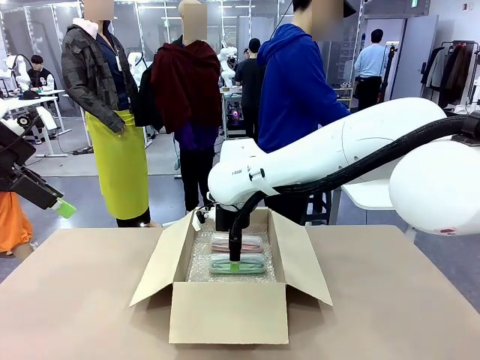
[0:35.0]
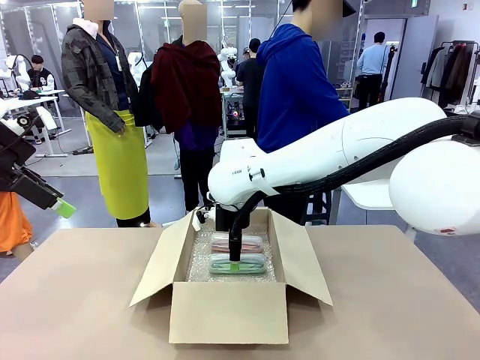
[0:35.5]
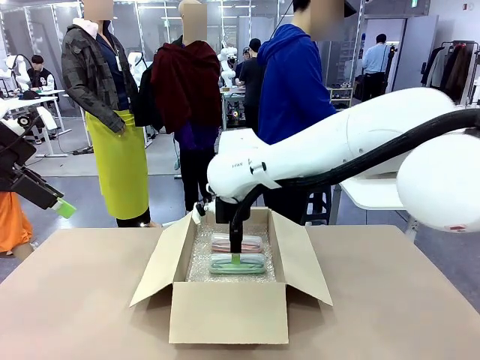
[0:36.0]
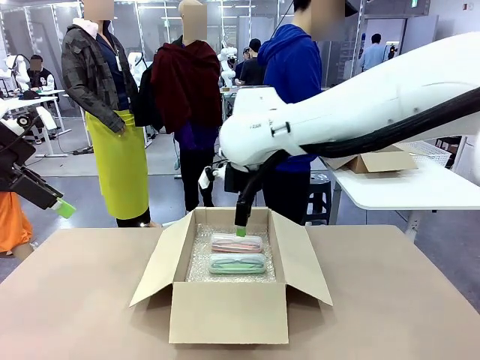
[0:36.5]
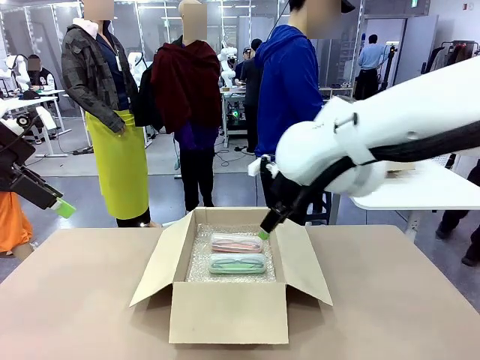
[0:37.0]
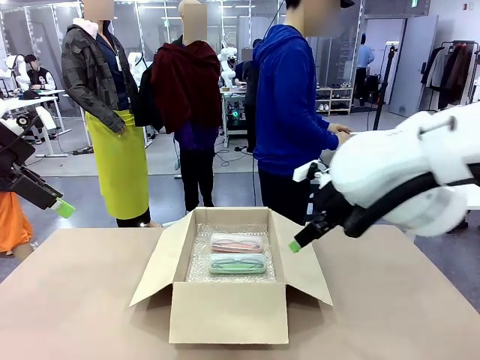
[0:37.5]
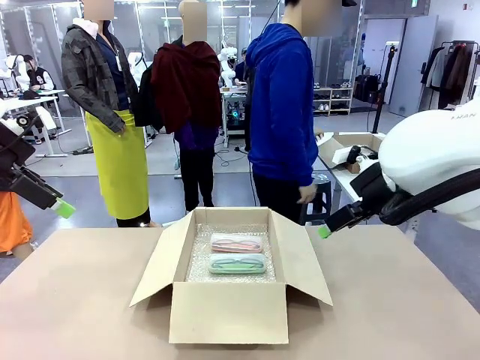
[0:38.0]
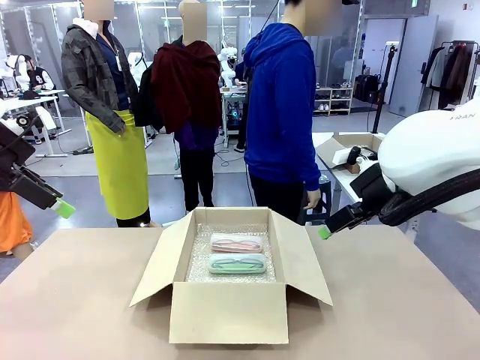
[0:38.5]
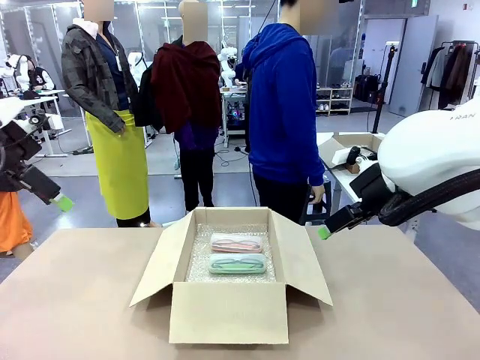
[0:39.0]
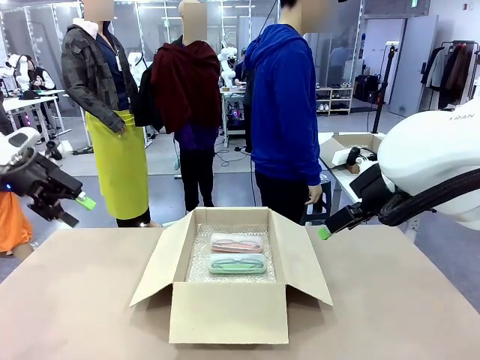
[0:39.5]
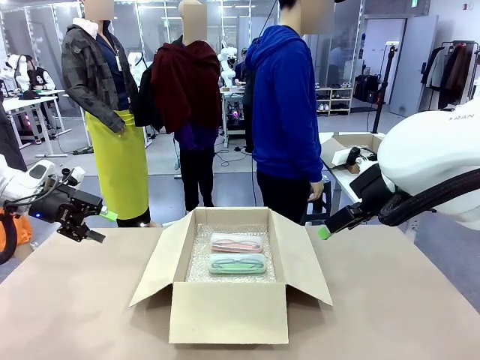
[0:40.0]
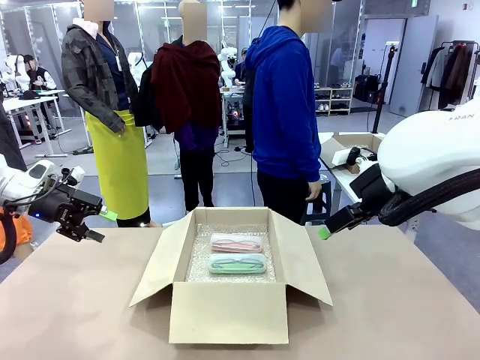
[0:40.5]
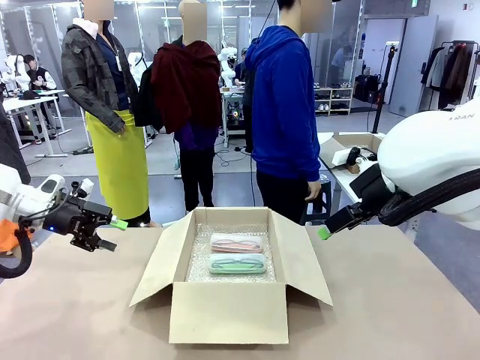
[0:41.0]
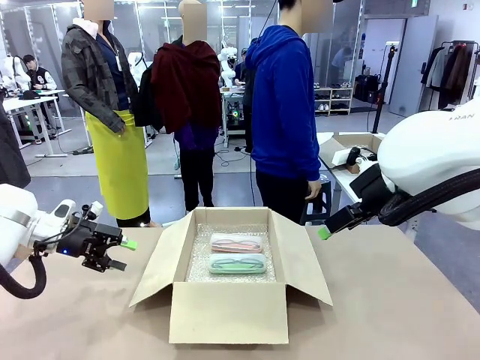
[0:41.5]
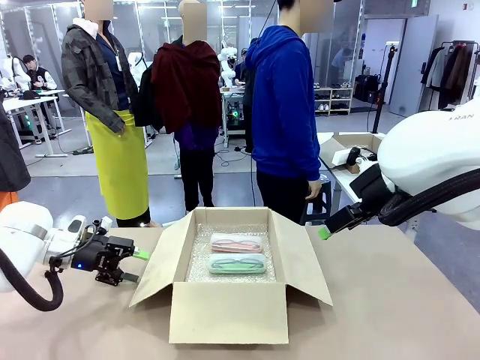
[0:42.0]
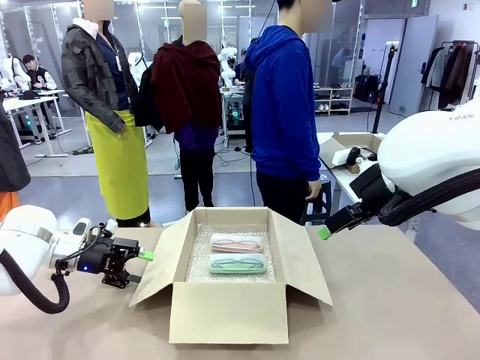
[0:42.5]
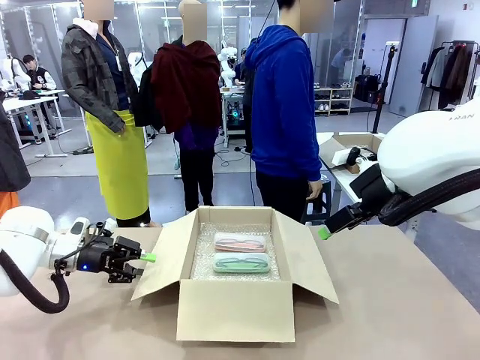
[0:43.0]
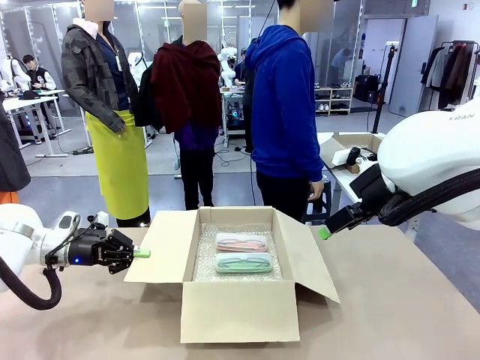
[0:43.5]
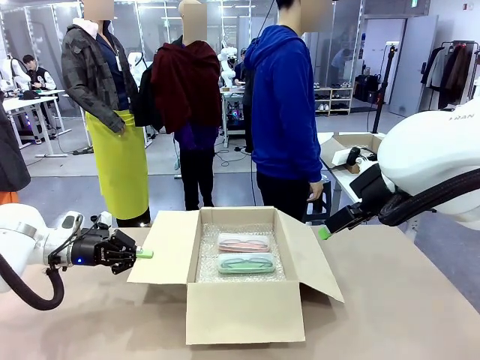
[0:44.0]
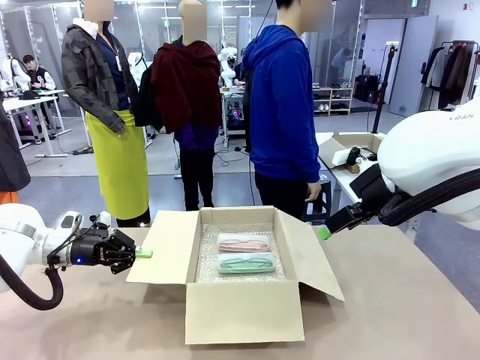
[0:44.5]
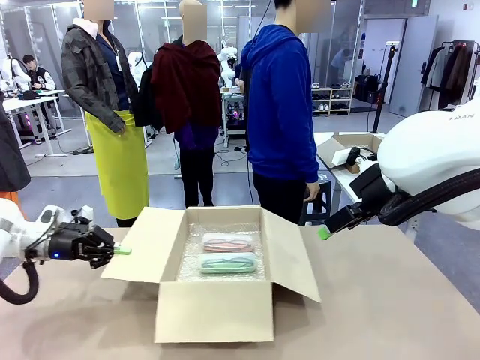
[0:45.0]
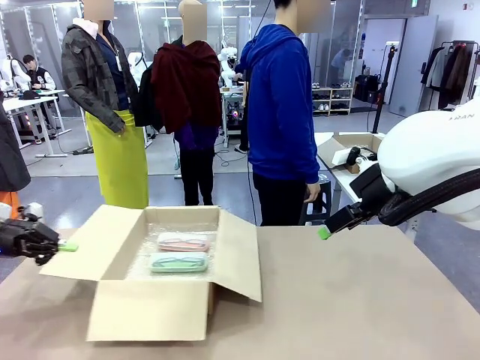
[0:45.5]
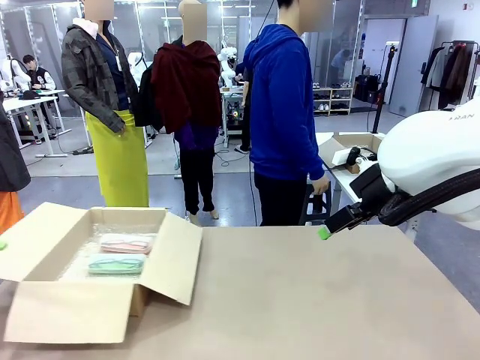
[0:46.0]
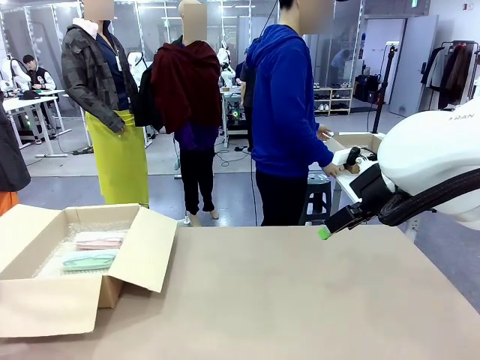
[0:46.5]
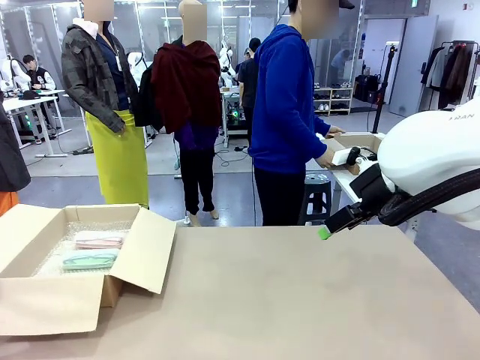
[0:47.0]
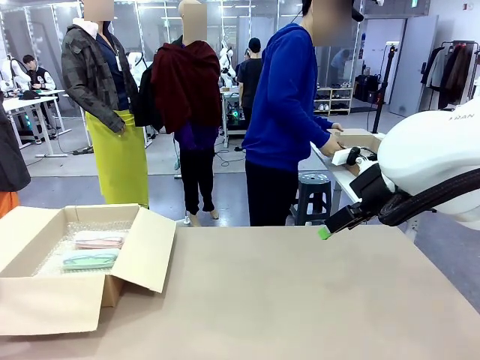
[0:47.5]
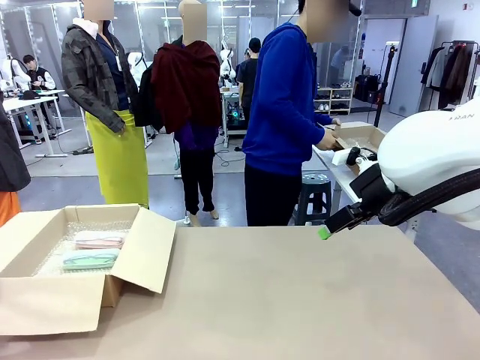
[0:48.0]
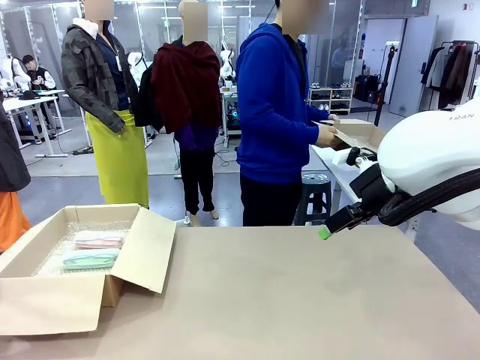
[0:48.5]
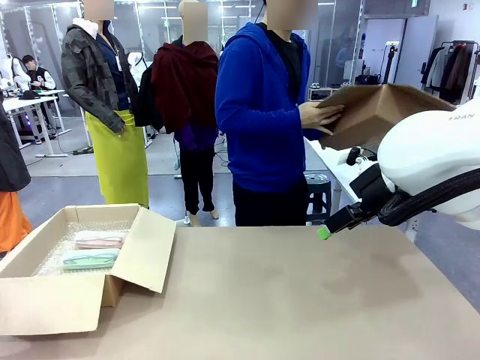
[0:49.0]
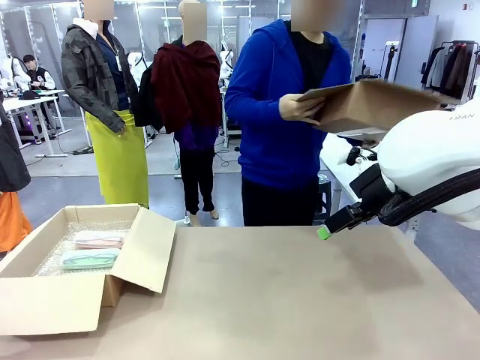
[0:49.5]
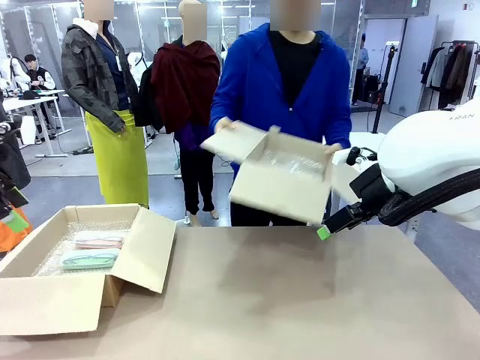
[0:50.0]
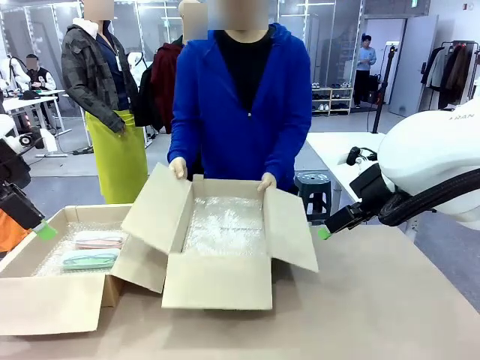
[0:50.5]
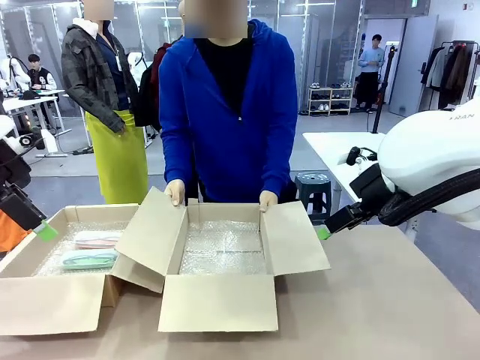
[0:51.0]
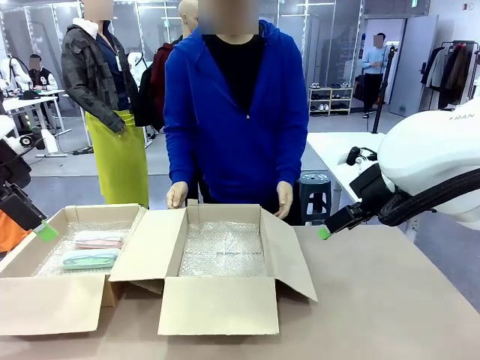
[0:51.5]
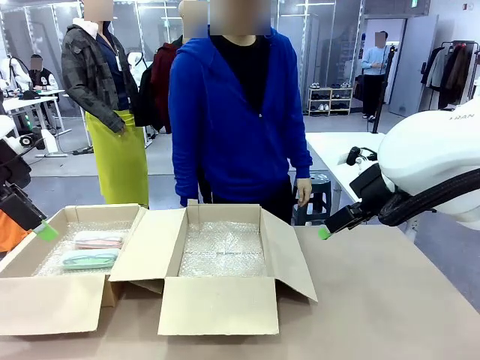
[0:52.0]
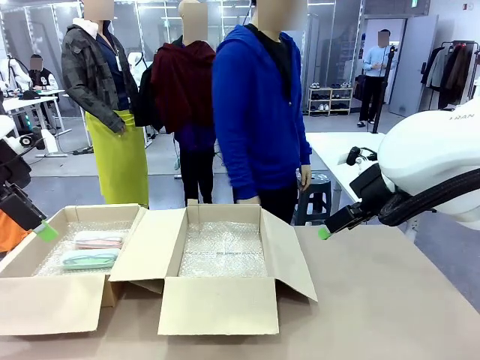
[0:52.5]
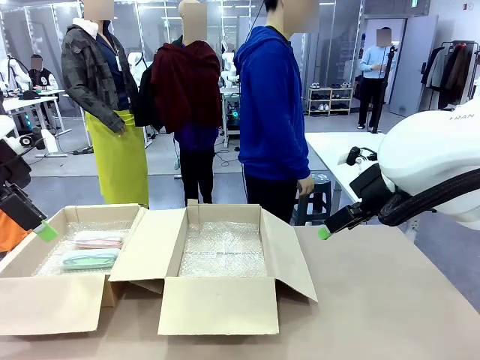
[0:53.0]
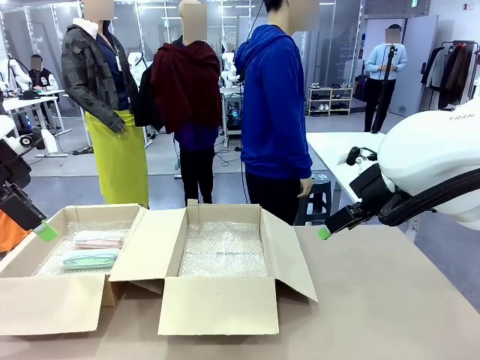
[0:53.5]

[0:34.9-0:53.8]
Task: Pack the glasses set securely to prepare it for shipping.
Robot: Position the Package Box on the left side of the table.
Person: Position the empty Package Box in the middle of the robot's table.

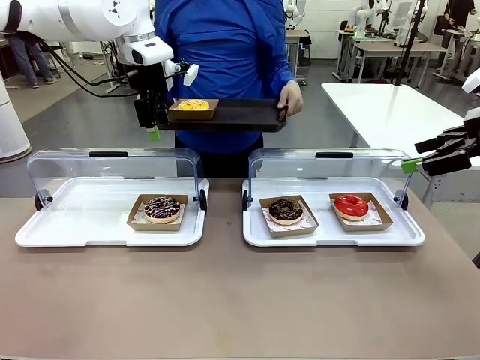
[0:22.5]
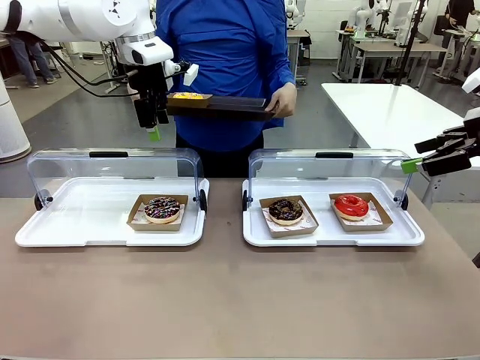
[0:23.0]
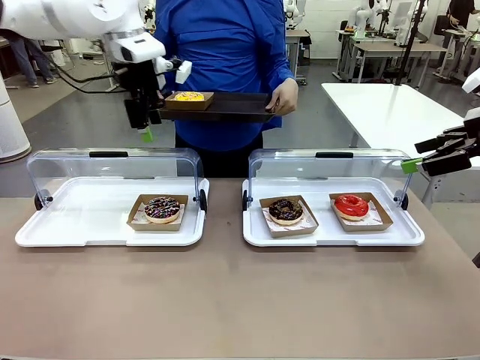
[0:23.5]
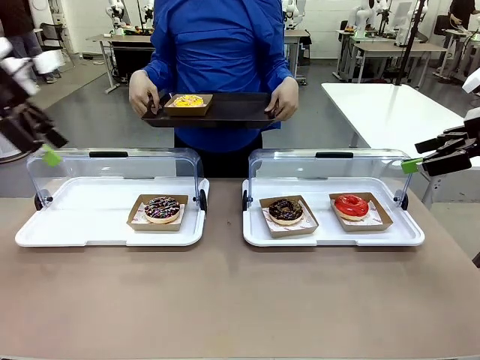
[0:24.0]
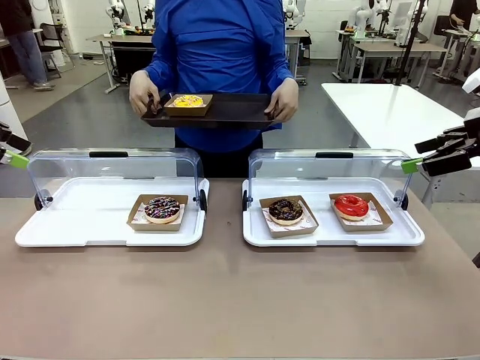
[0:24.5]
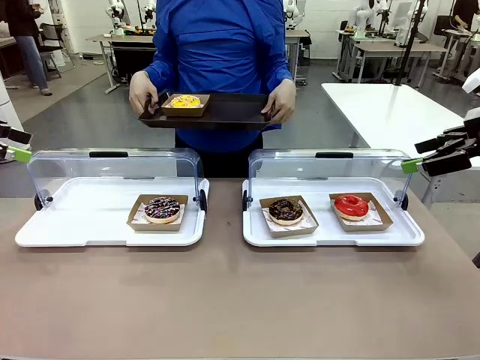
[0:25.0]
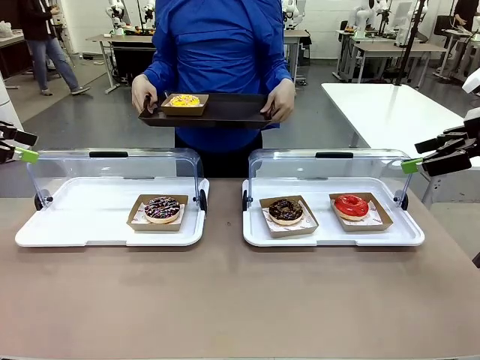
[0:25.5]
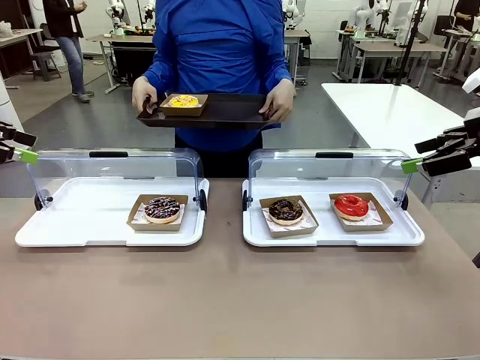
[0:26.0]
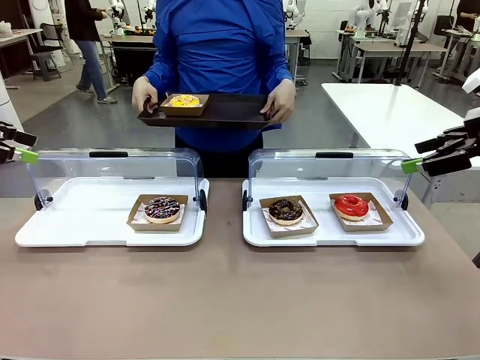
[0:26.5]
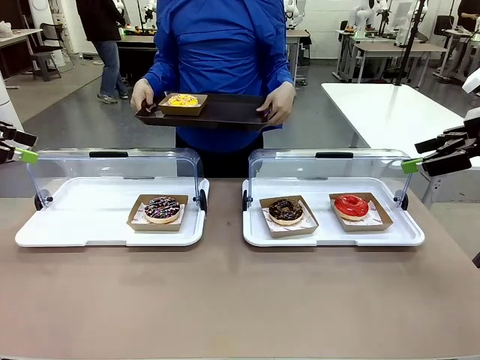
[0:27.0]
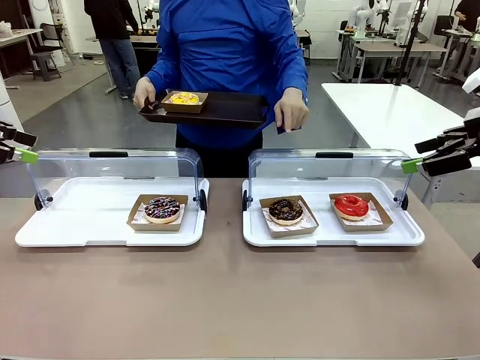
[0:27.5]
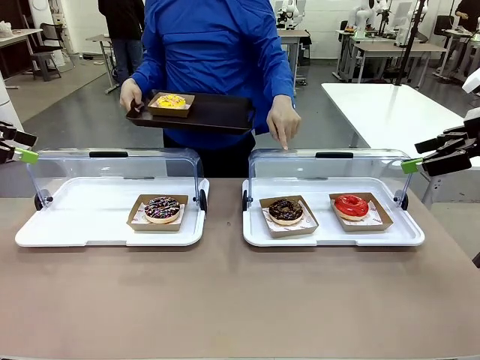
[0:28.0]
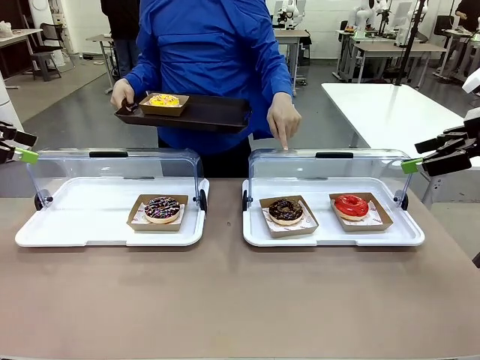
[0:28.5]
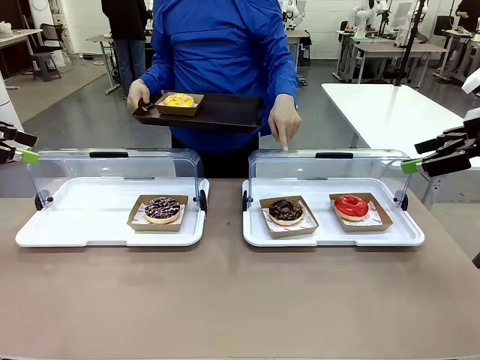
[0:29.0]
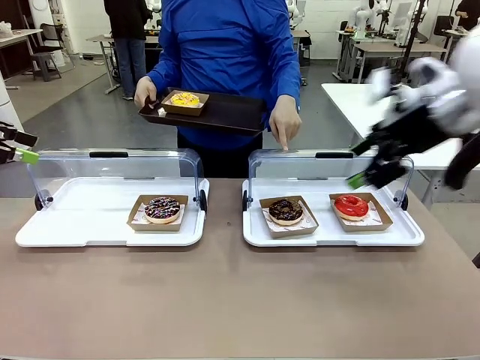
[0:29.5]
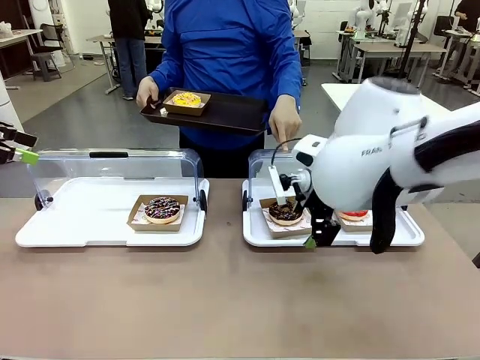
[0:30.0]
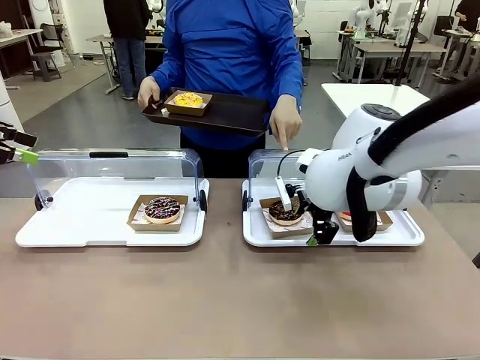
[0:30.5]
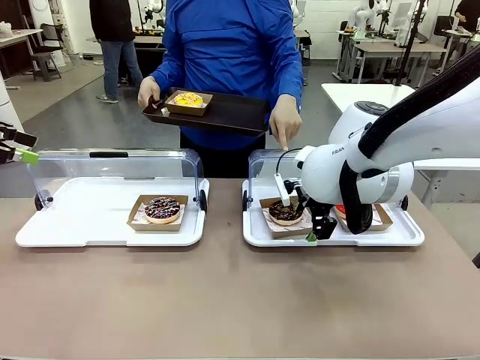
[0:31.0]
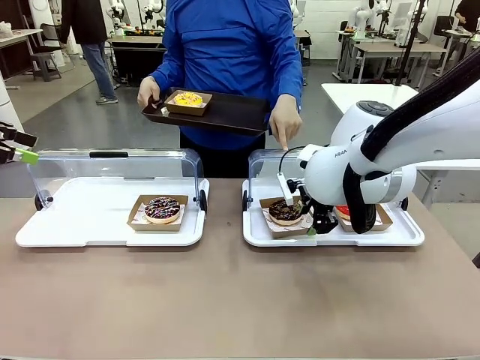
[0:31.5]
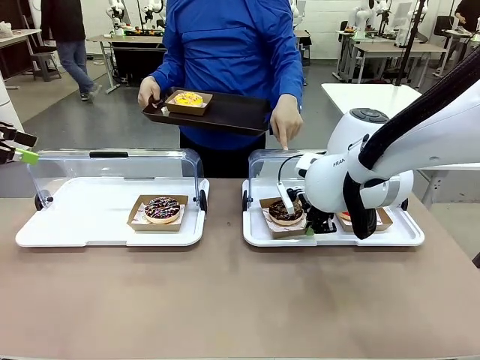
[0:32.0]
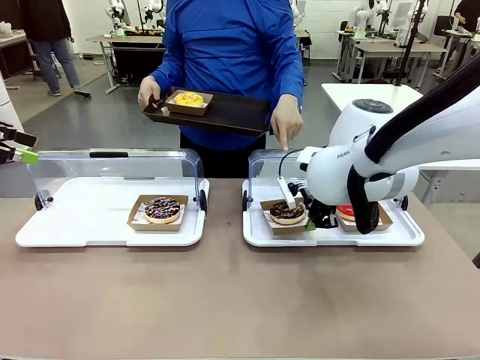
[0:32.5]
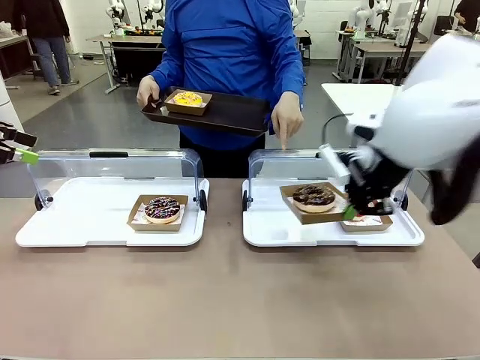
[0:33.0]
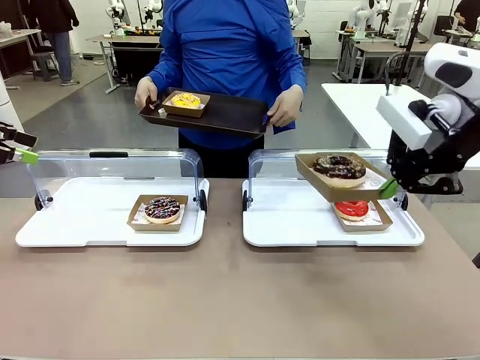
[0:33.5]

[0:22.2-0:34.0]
Task: Provide the desired donut to the person.
Robot: Pick up and lift the Paper togo box containing the Donut pointed at by the person.
Person: Point to one donut. Lift the tray onto the Roll-Top Bakery Case.
